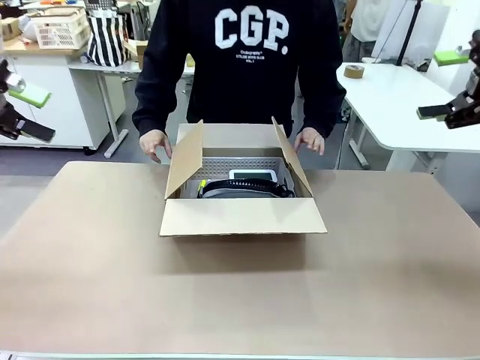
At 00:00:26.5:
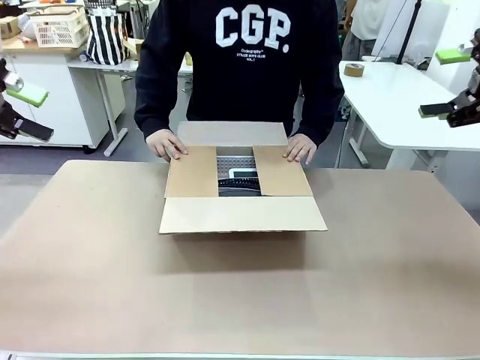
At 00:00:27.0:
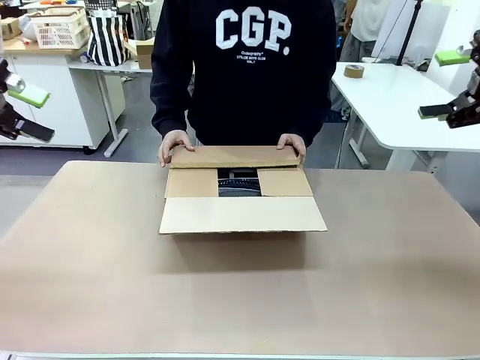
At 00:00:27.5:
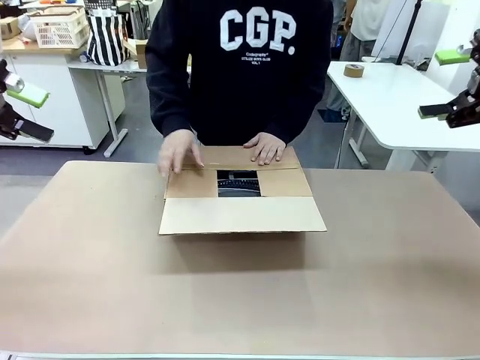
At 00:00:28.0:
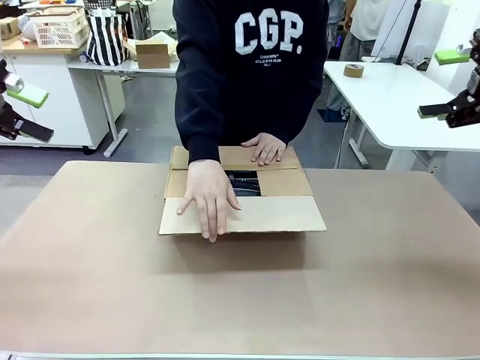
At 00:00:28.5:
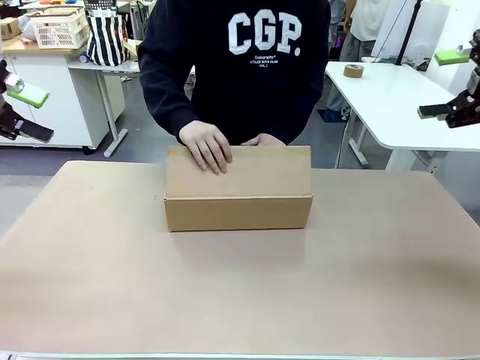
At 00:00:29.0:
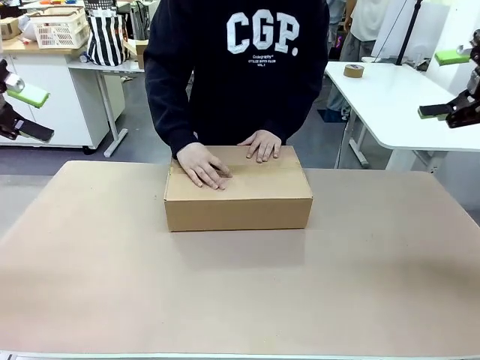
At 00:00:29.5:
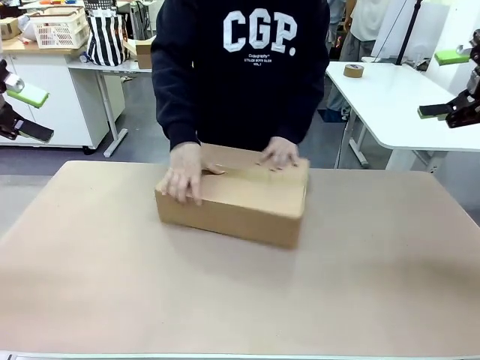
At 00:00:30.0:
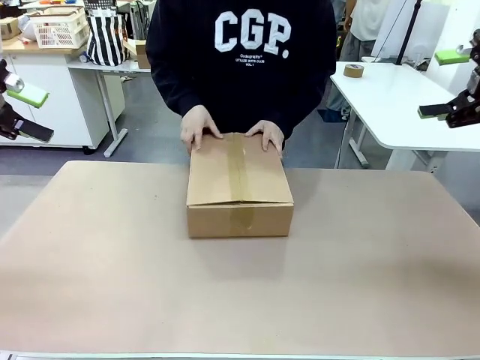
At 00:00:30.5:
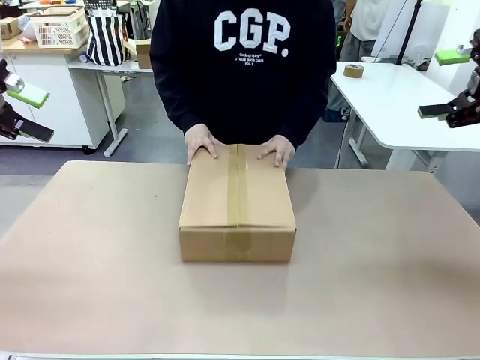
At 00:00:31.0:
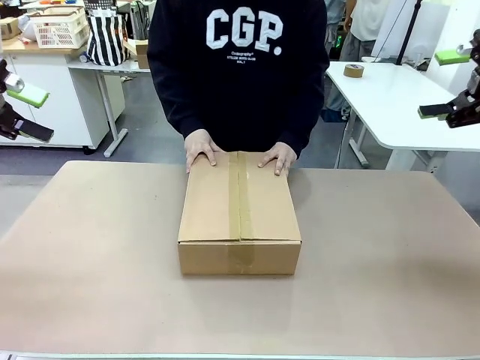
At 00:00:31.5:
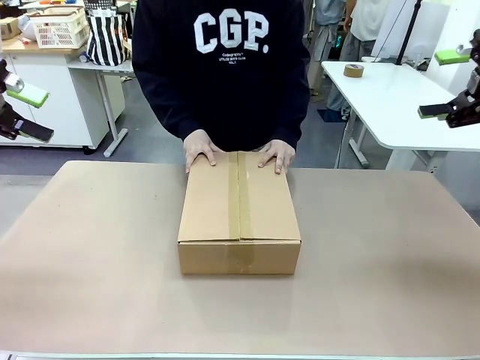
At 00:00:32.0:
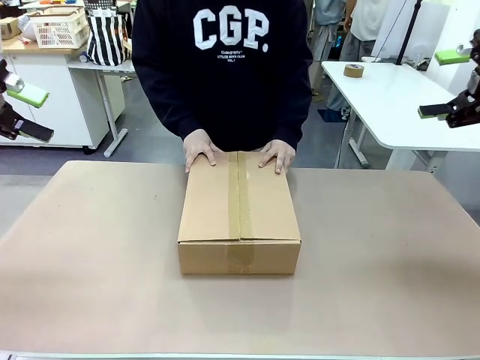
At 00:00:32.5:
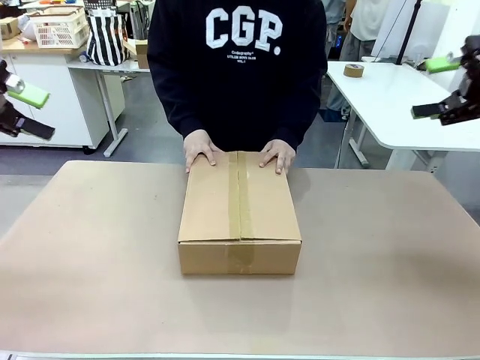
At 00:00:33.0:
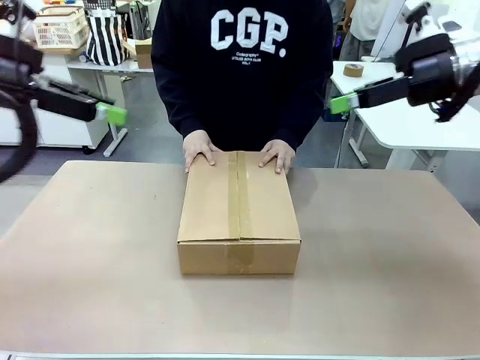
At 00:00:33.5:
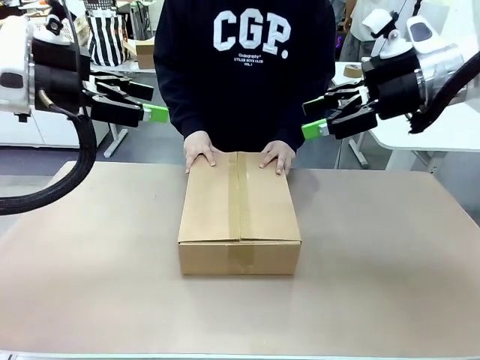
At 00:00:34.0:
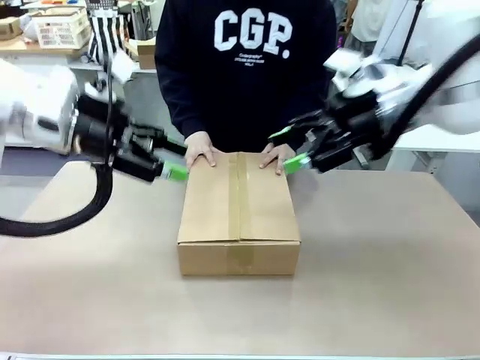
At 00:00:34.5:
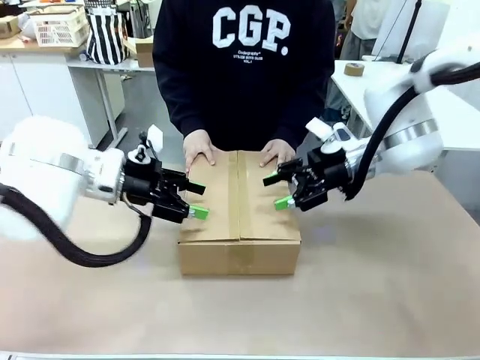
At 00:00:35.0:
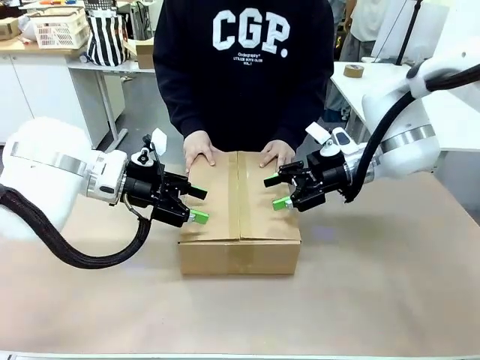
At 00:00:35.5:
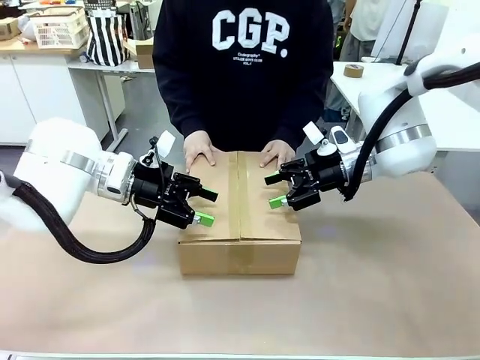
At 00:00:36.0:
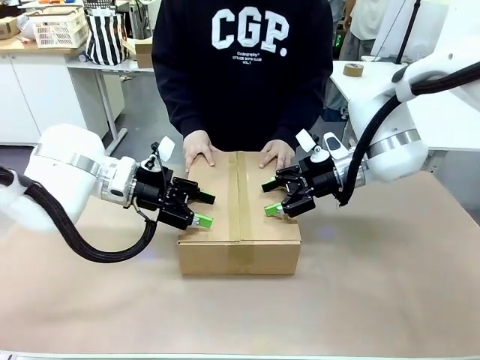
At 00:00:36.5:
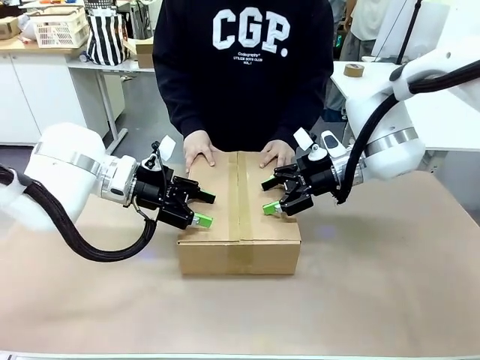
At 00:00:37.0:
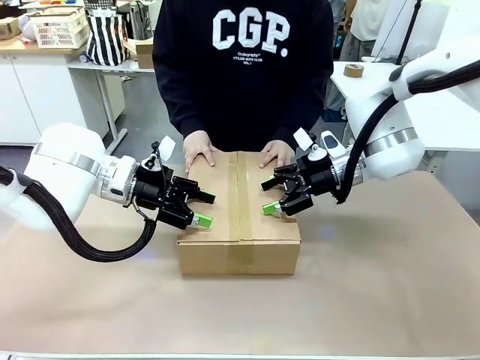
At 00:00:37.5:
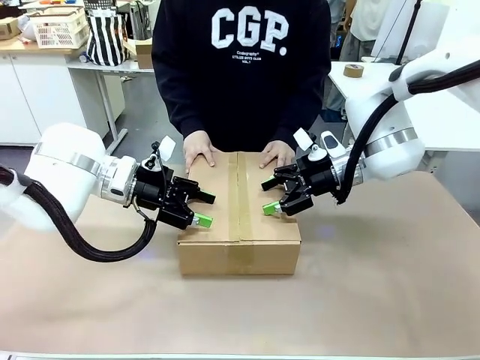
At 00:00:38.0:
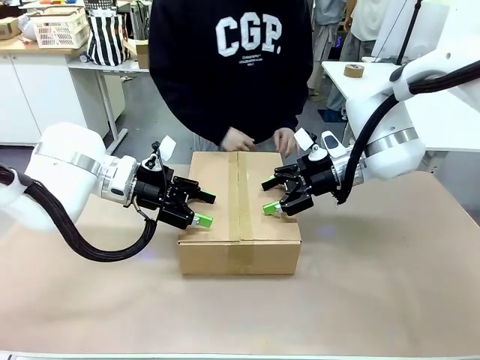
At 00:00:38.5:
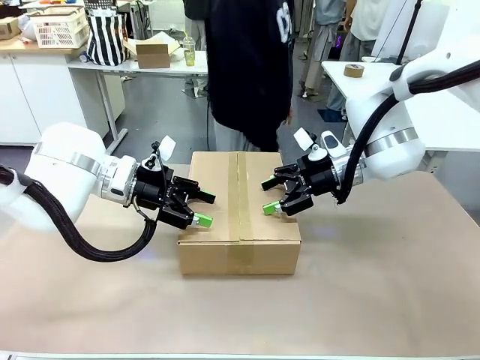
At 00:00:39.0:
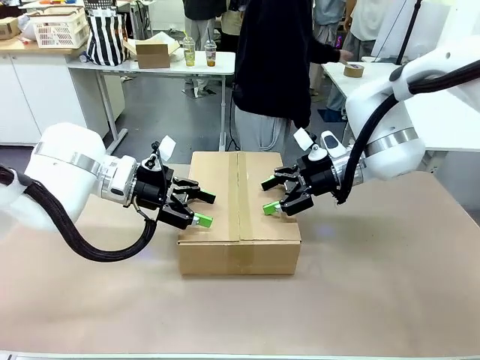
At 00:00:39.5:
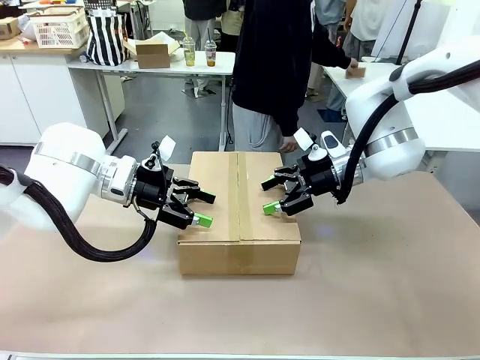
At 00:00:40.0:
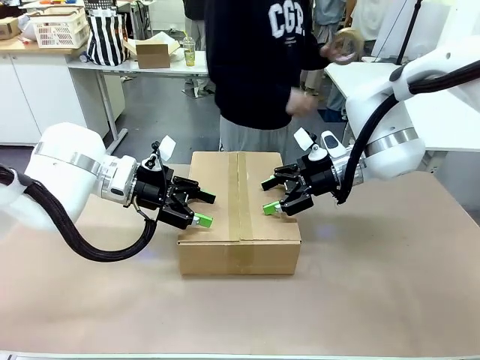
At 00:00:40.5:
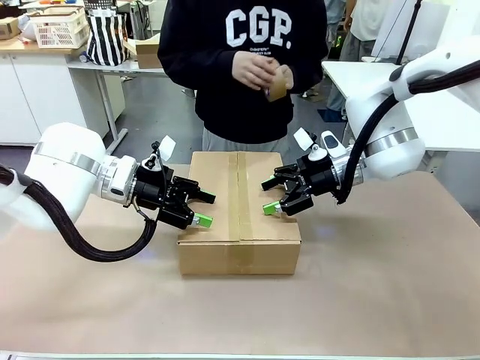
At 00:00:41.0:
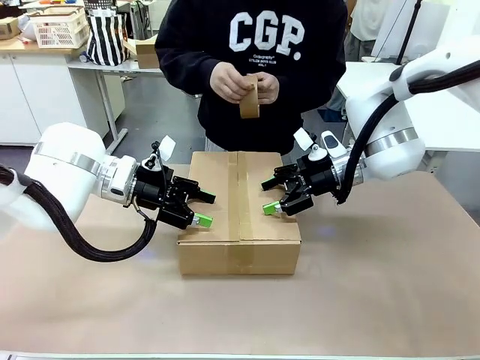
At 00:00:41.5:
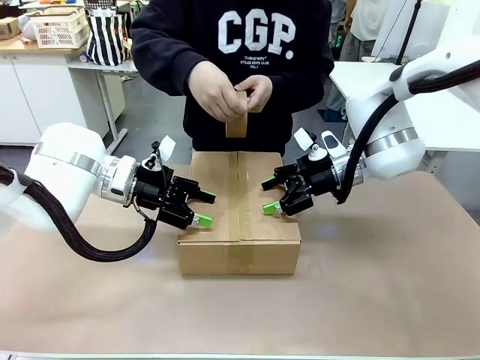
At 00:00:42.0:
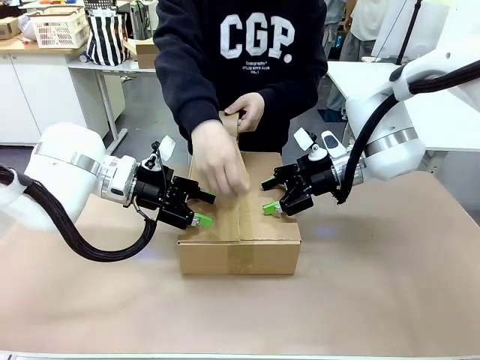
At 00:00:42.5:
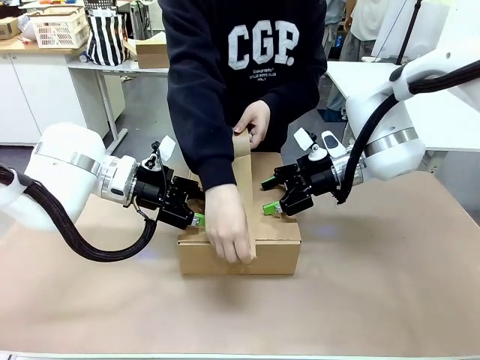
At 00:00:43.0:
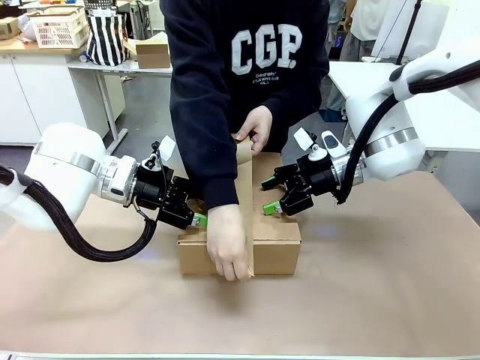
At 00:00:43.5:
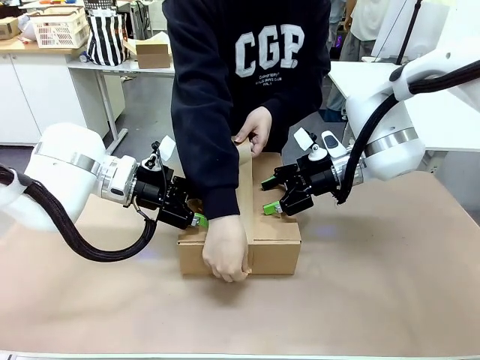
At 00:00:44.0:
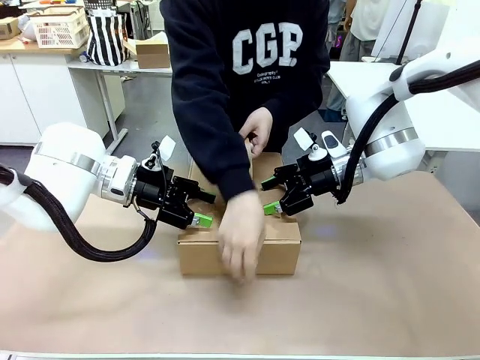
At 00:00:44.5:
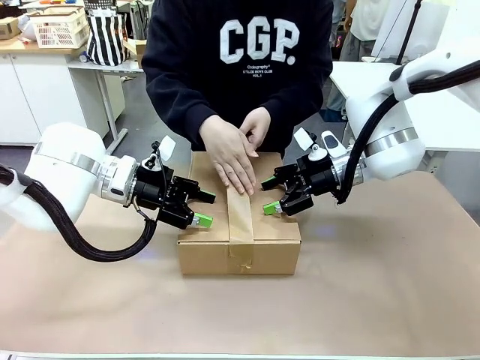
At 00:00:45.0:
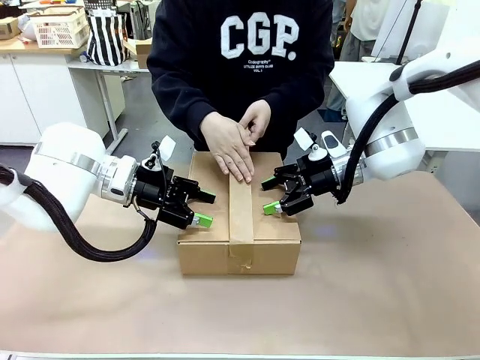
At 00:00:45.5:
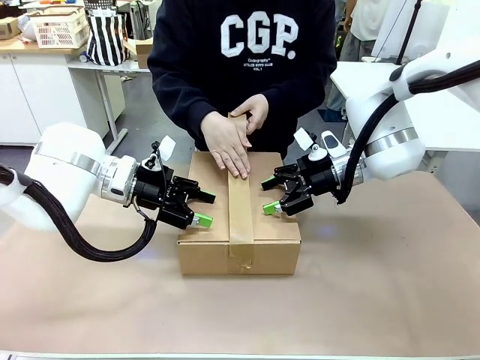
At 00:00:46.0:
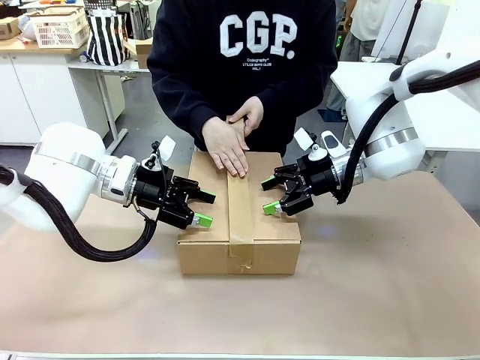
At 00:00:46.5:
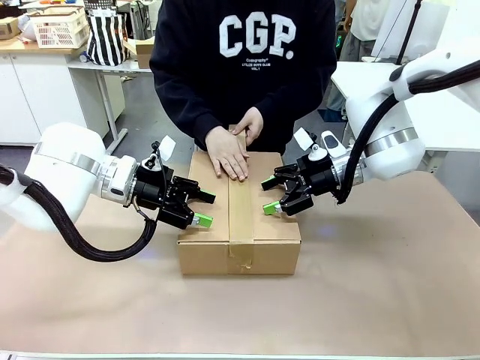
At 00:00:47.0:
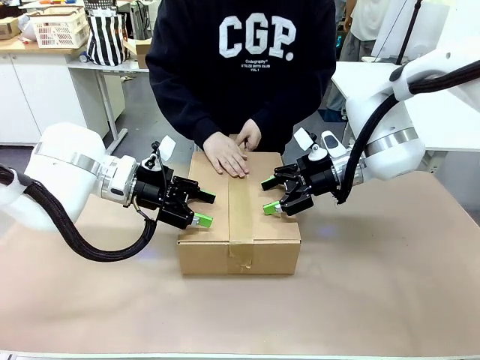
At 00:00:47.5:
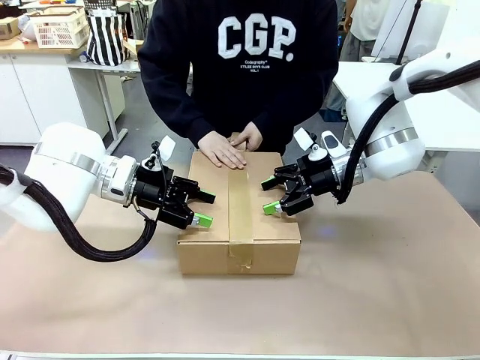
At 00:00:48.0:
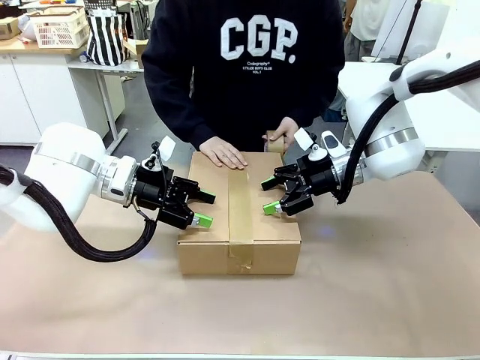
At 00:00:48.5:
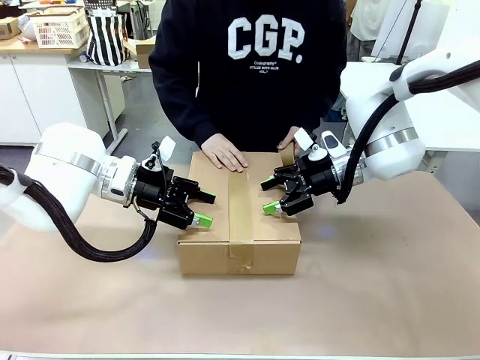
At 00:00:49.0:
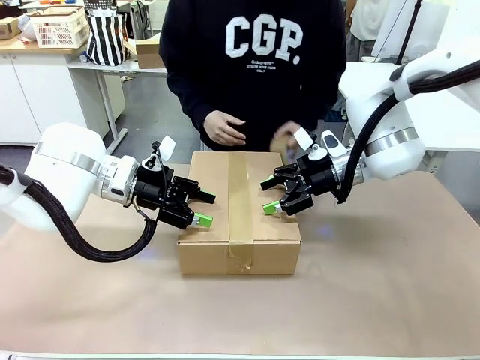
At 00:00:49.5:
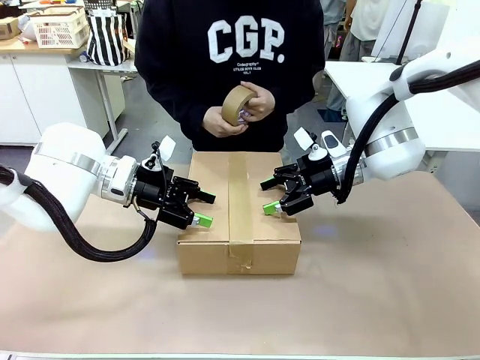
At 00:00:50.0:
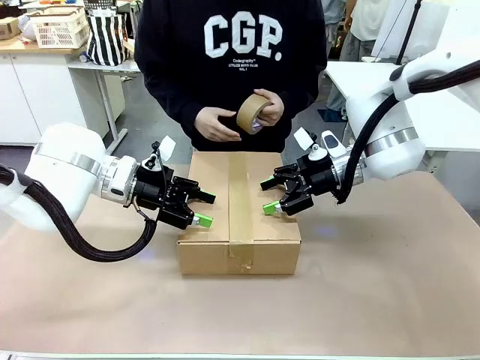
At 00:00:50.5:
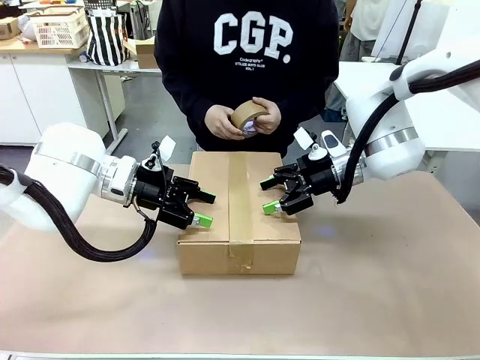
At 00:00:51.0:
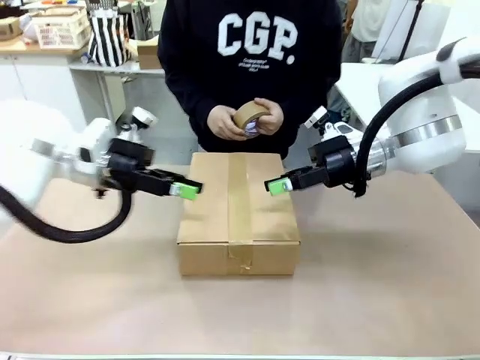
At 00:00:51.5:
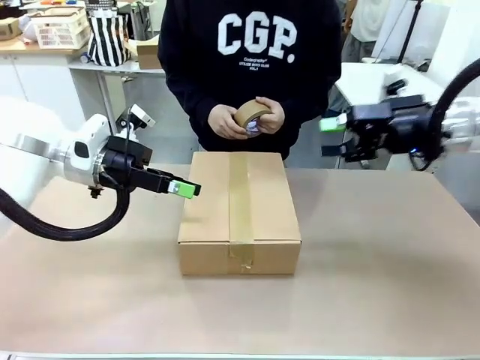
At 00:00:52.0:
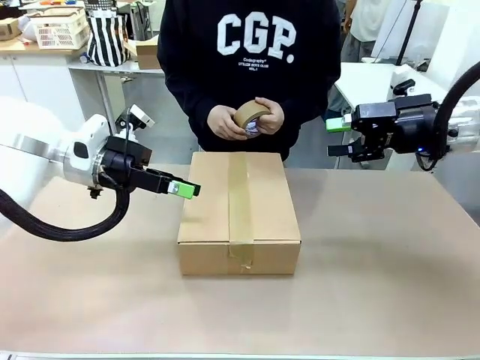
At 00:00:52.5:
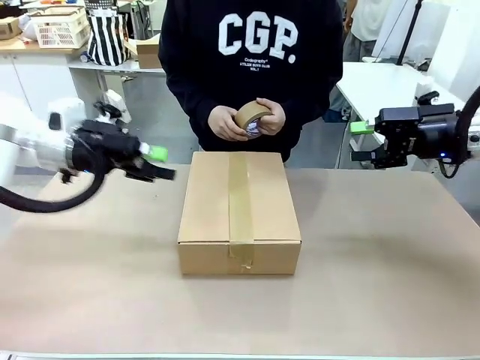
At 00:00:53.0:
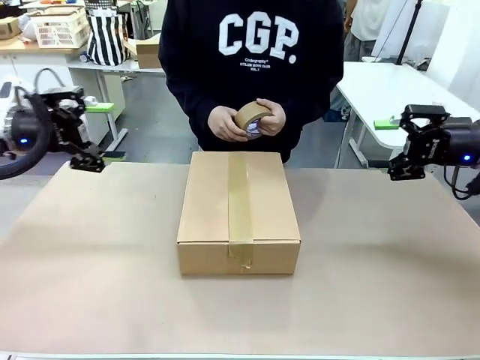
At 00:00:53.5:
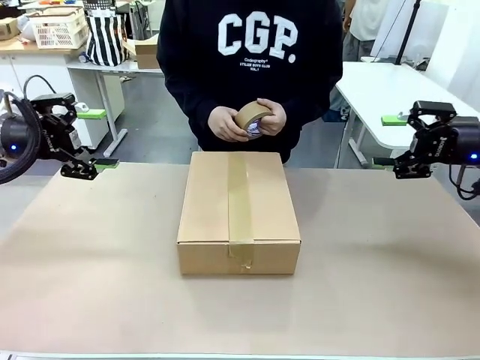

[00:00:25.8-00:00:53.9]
Task: Pack the gift set into the box.
Robot: Press and hold the closed box until the human finishes sealing it.
Person: The human closes the box and rotates the box by 90 degrees. The human picks up the paper tape from the human table and packs the box.
